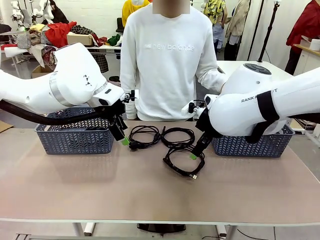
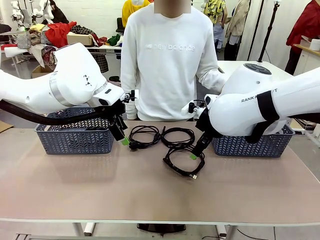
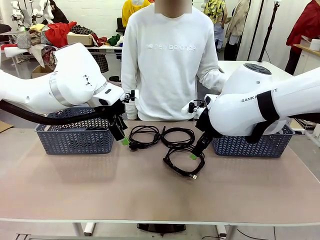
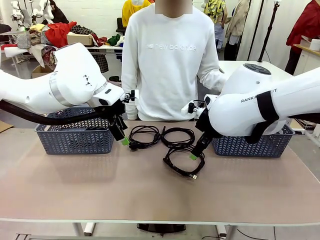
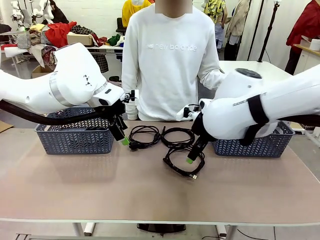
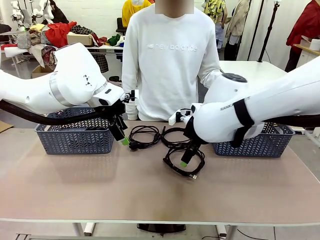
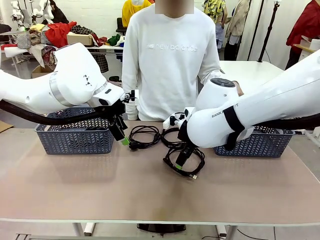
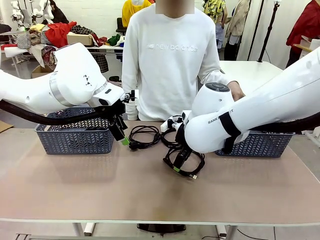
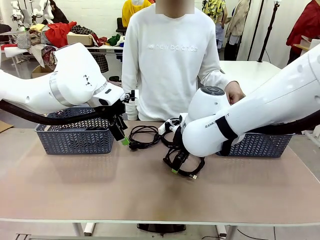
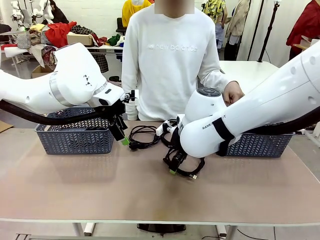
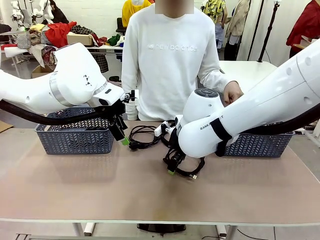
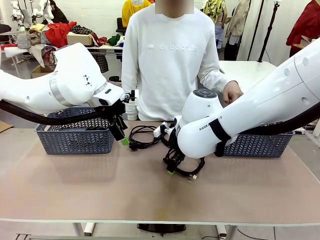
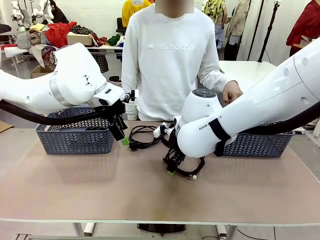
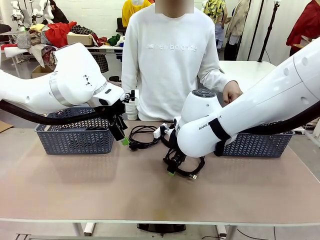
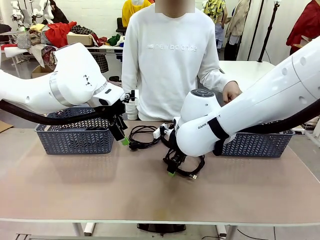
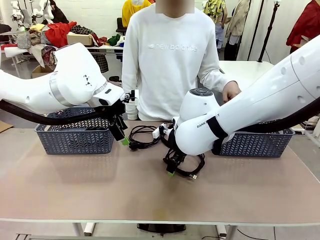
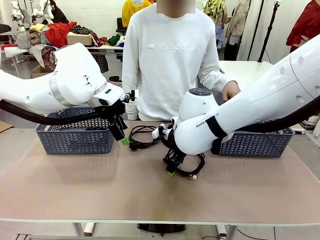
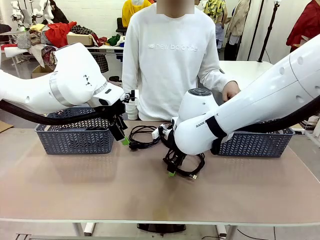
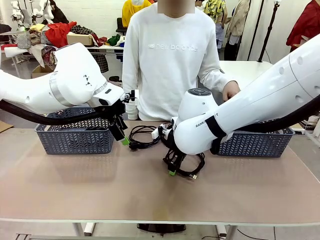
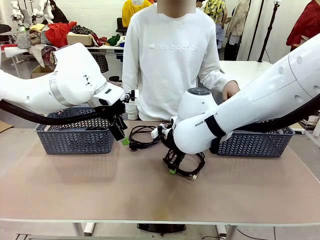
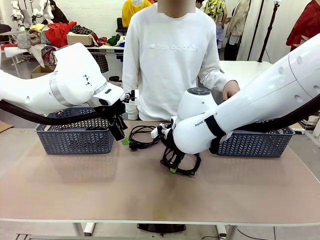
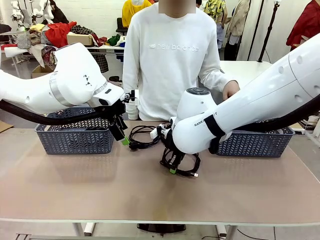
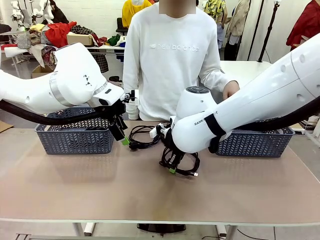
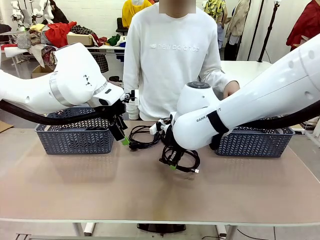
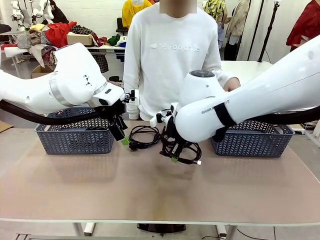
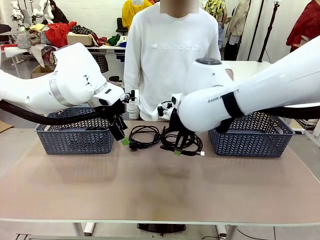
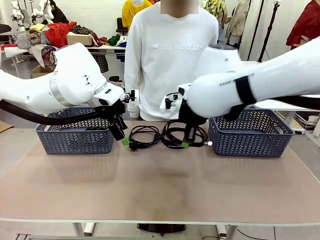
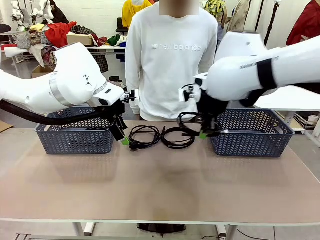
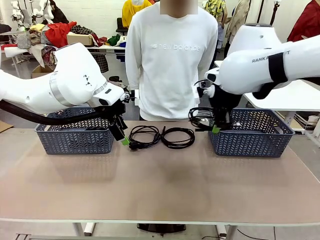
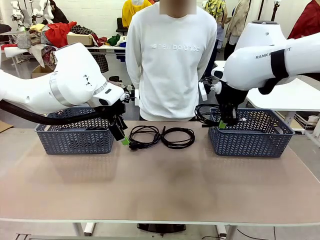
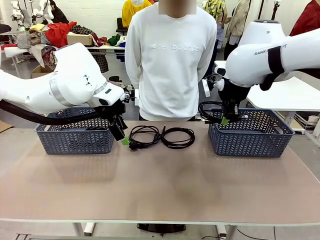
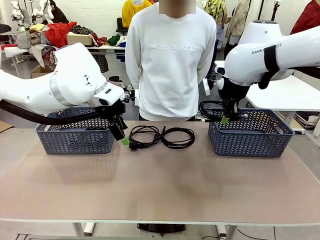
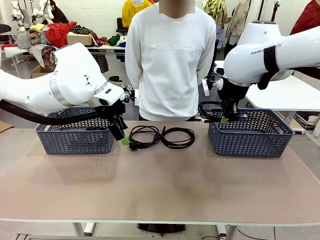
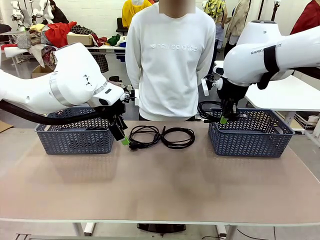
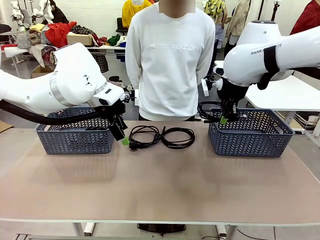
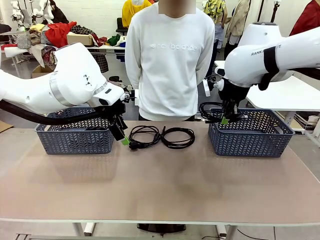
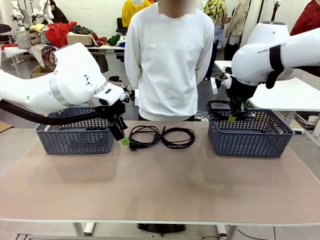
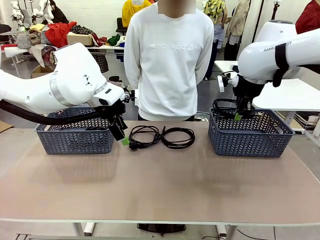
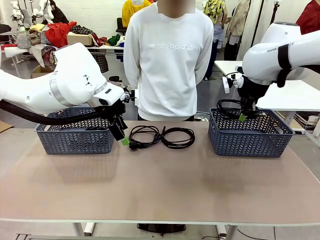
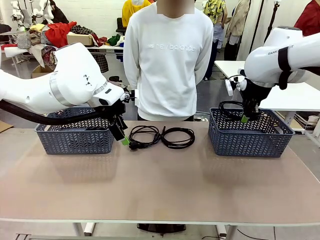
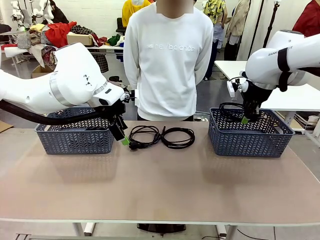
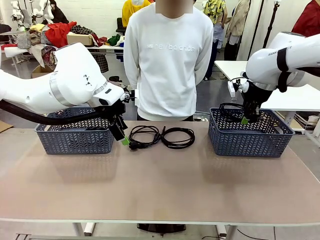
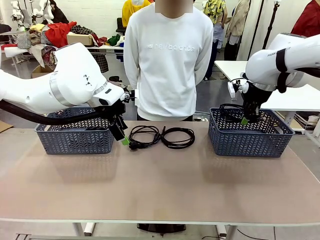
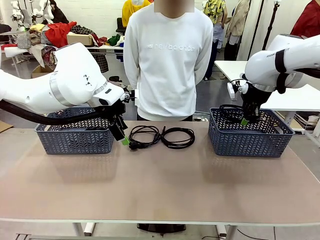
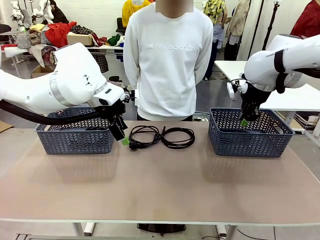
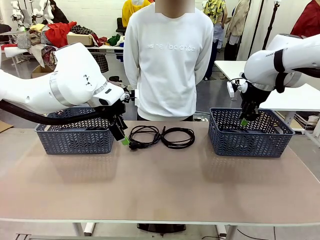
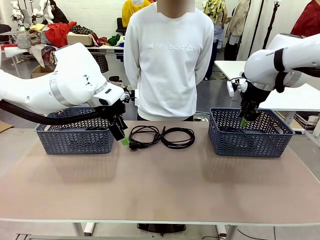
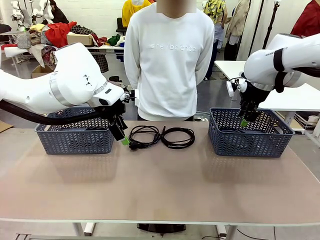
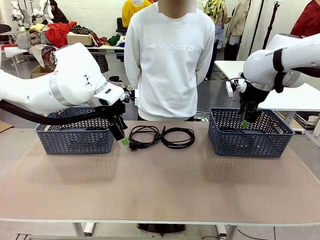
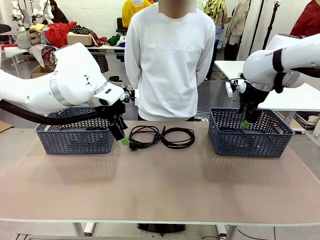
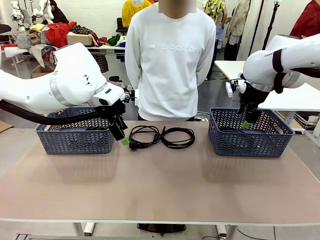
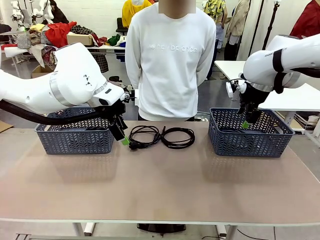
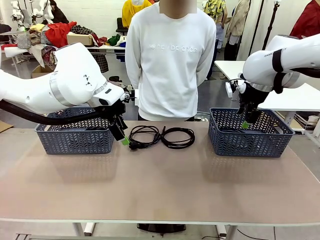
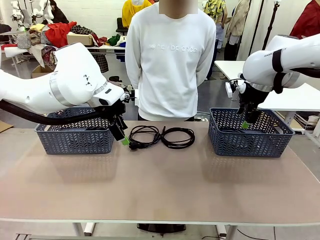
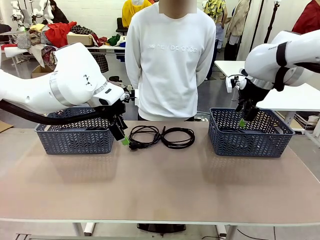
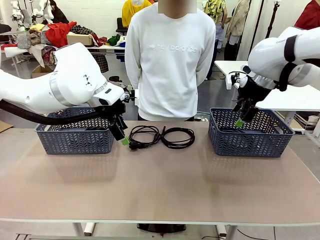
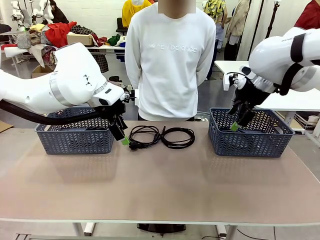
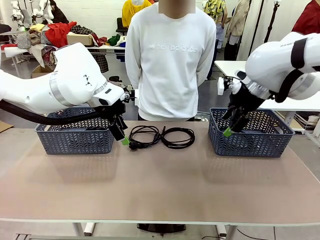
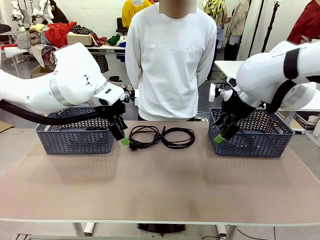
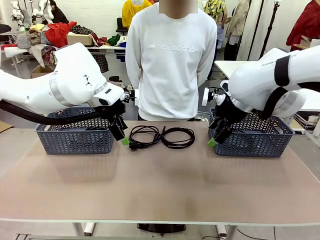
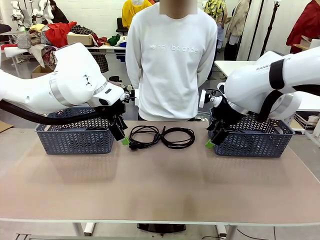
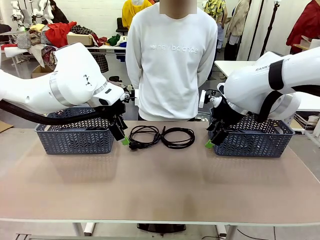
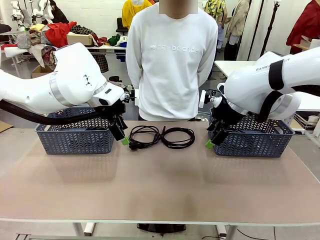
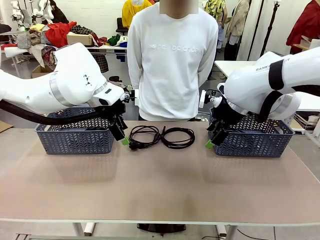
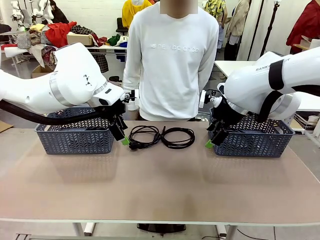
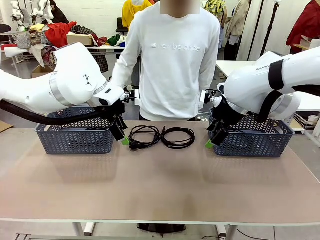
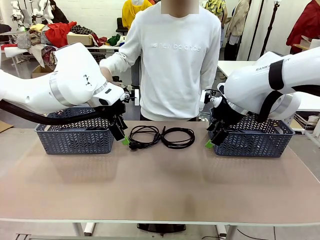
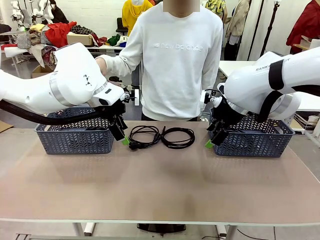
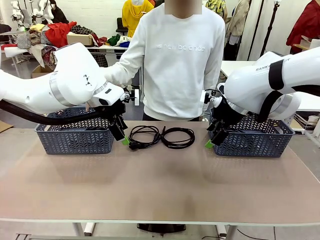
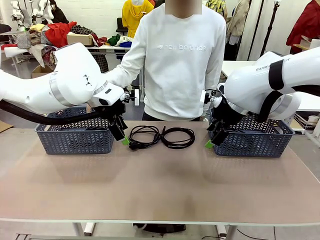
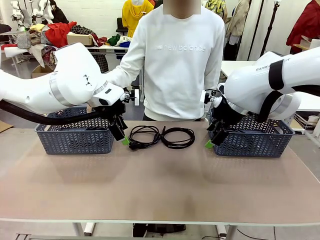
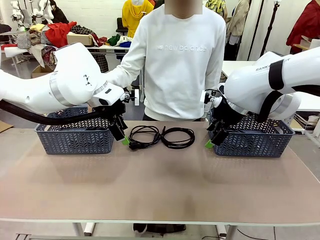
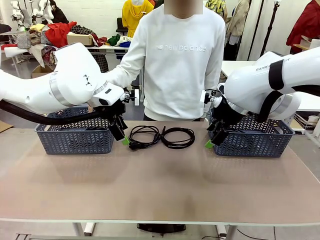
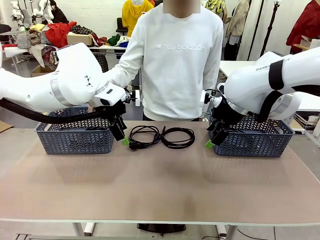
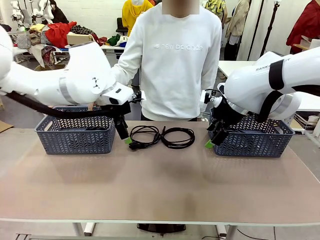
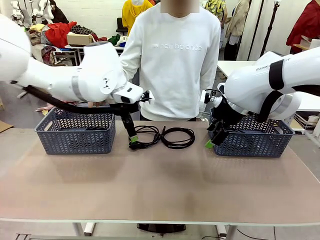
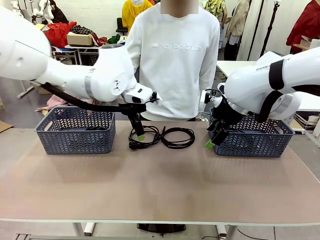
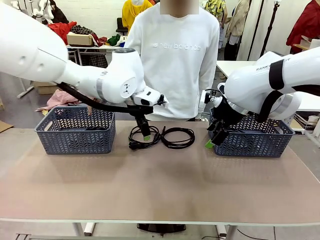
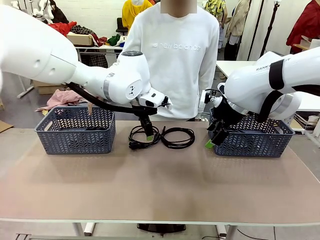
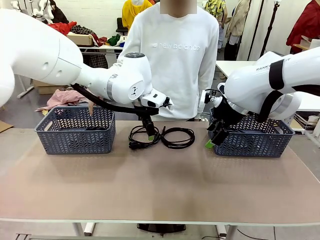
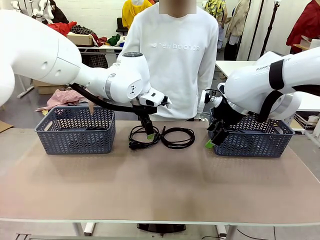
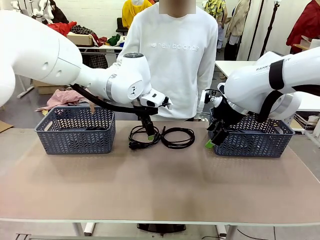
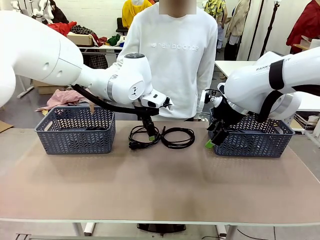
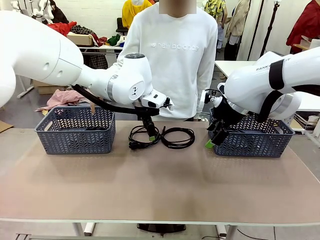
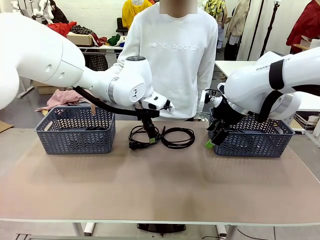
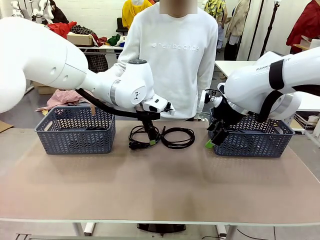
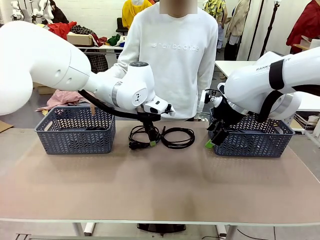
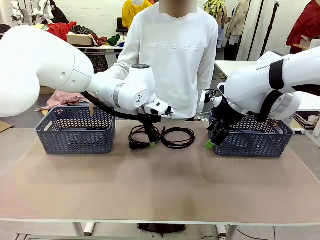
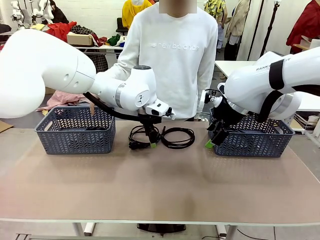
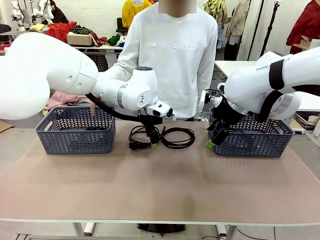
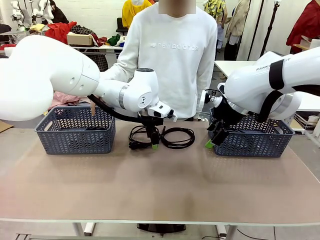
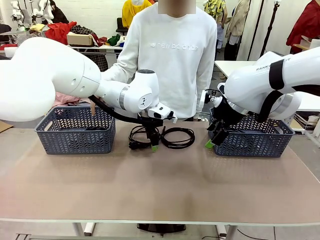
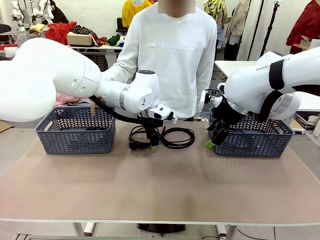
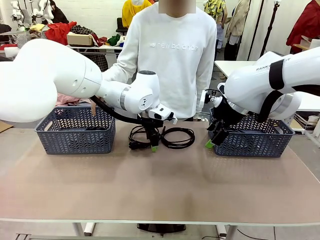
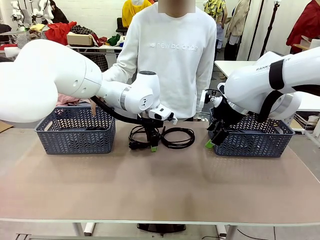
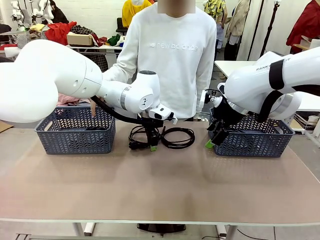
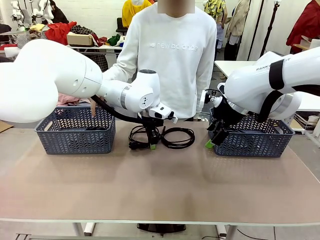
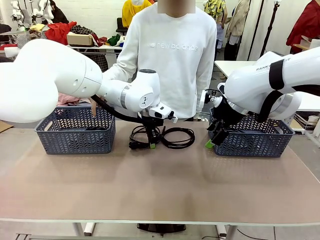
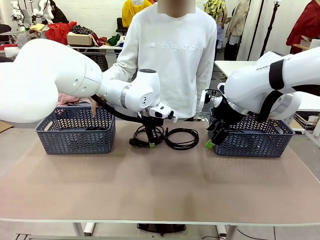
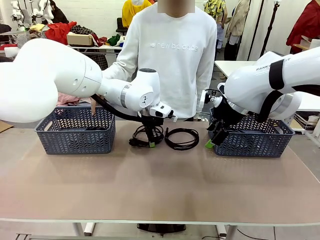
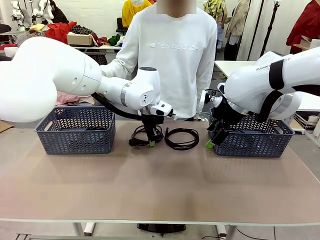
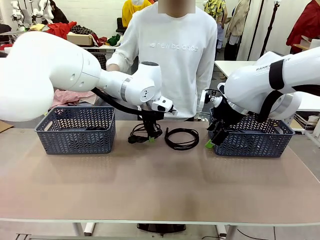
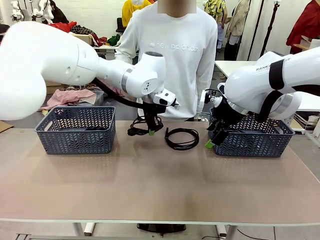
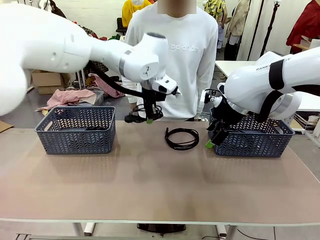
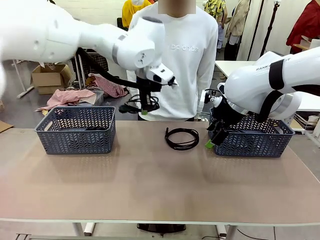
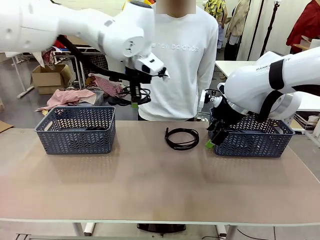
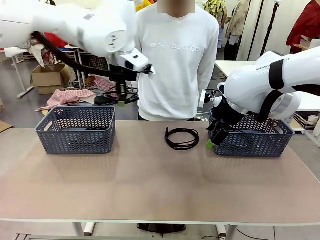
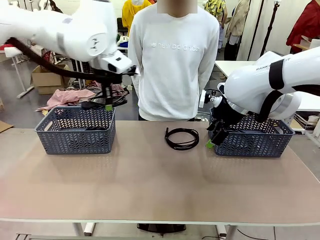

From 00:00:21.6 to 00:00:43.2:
Task: Organize the cables according to human instructions.
Robot: Pick up a bundle of cables and place it in the basket indicated by the human.
